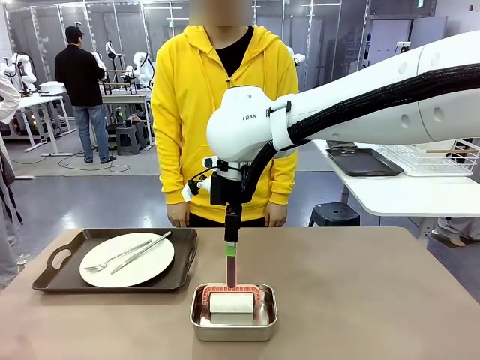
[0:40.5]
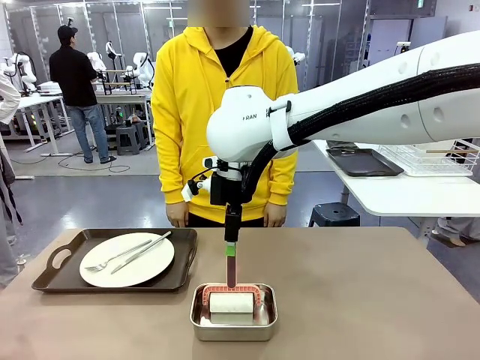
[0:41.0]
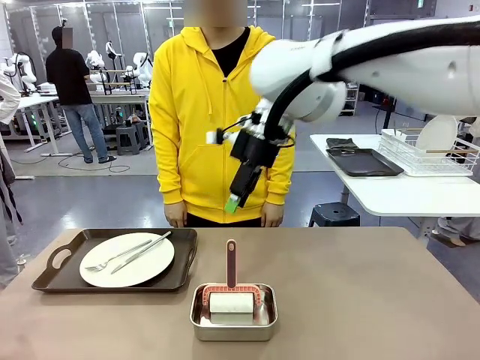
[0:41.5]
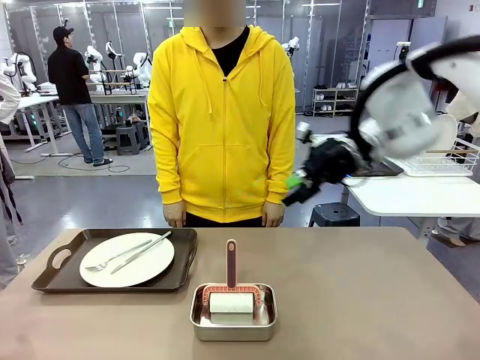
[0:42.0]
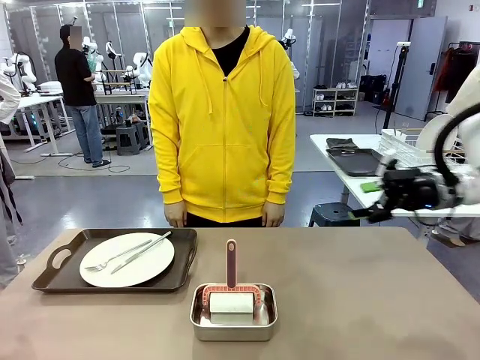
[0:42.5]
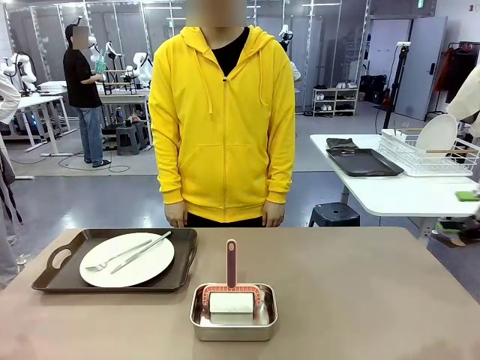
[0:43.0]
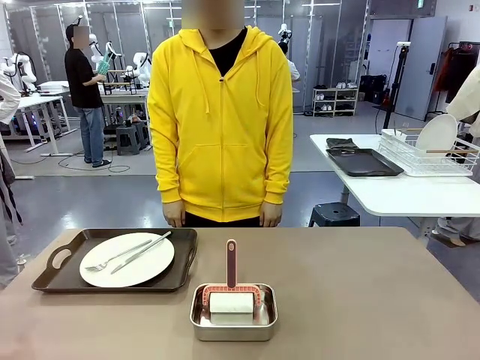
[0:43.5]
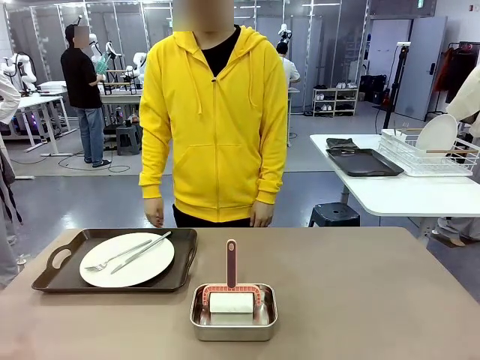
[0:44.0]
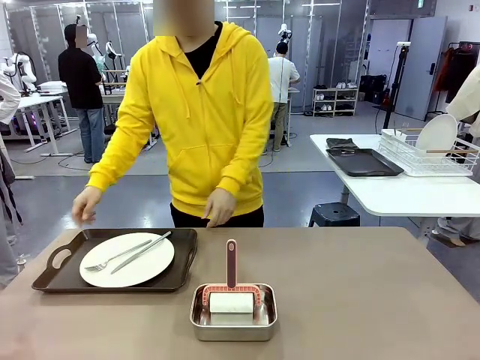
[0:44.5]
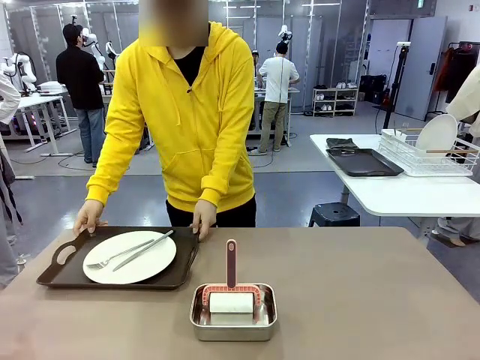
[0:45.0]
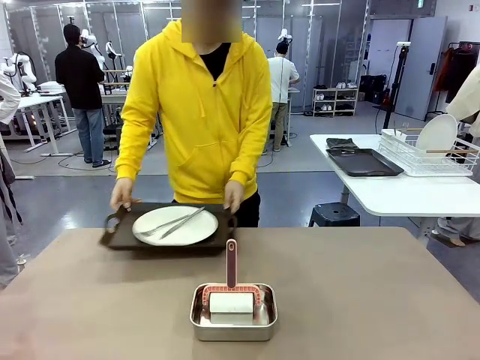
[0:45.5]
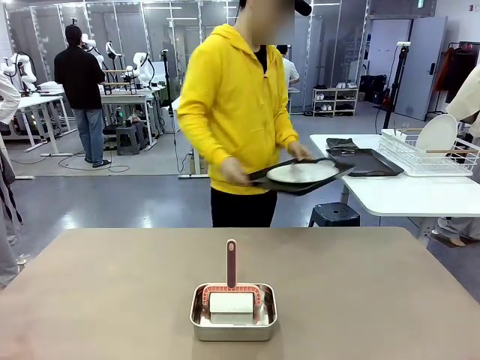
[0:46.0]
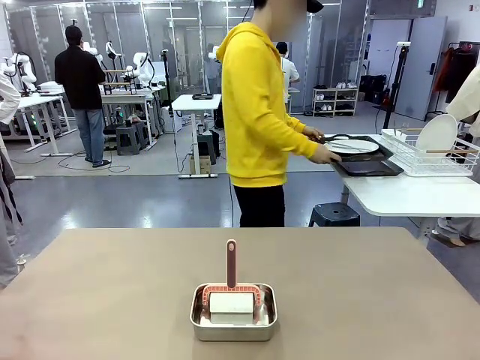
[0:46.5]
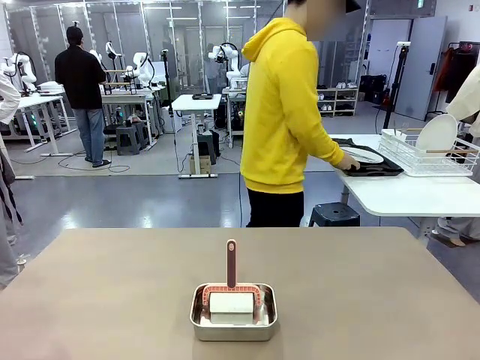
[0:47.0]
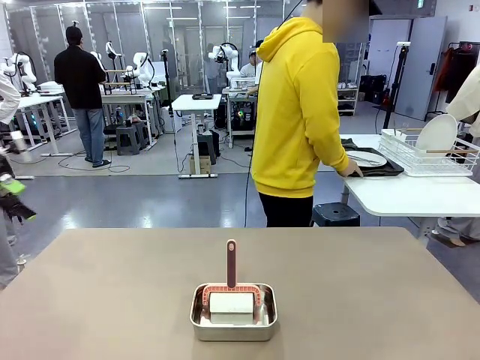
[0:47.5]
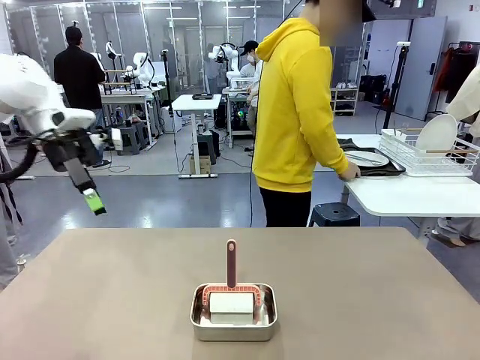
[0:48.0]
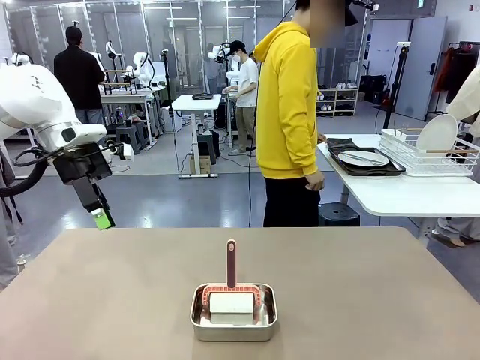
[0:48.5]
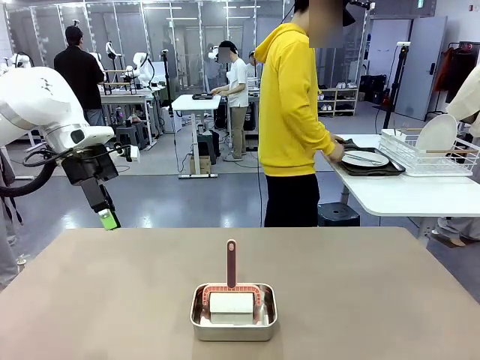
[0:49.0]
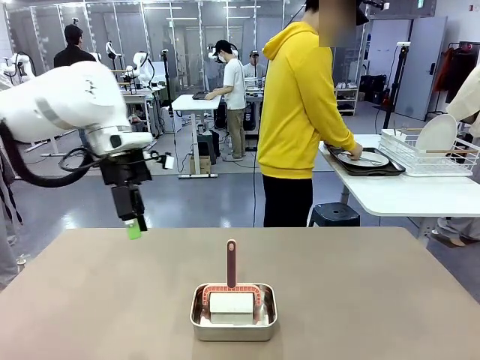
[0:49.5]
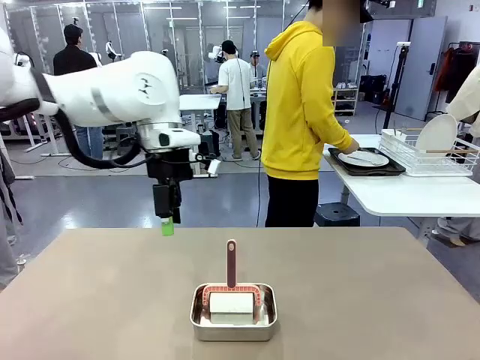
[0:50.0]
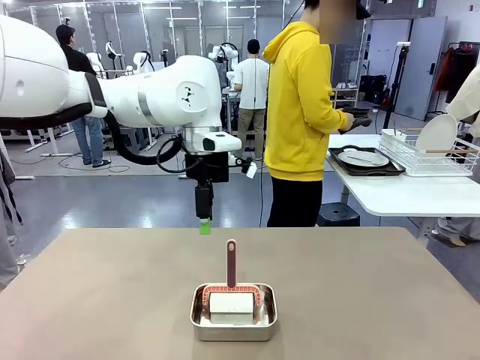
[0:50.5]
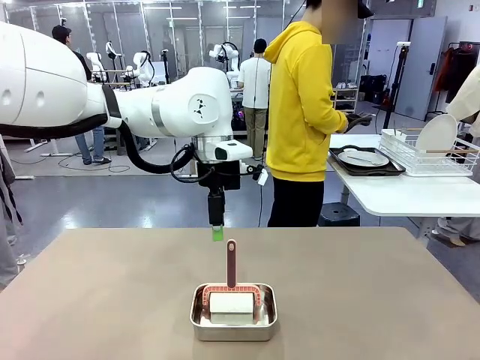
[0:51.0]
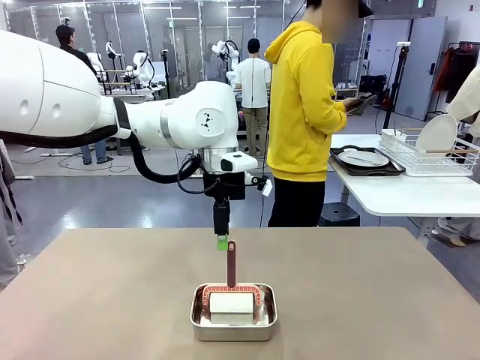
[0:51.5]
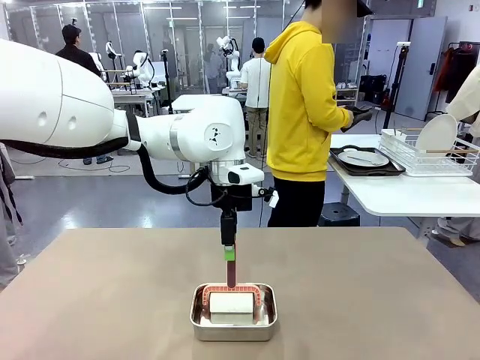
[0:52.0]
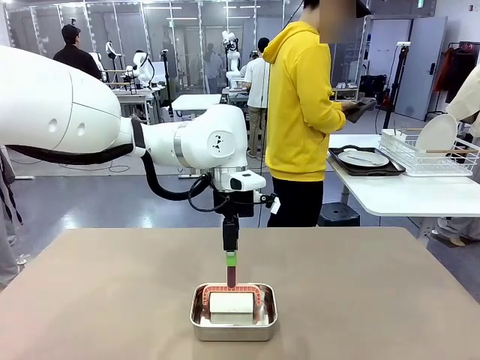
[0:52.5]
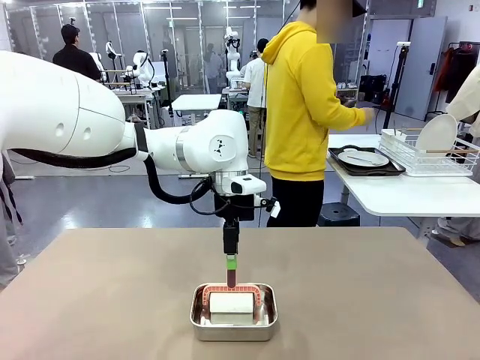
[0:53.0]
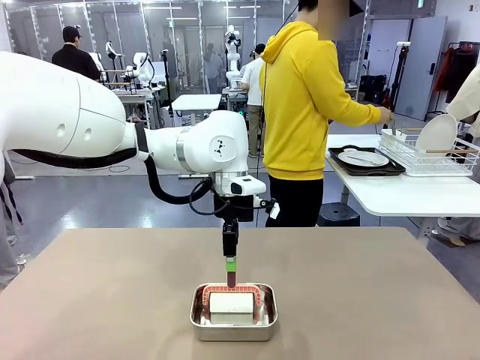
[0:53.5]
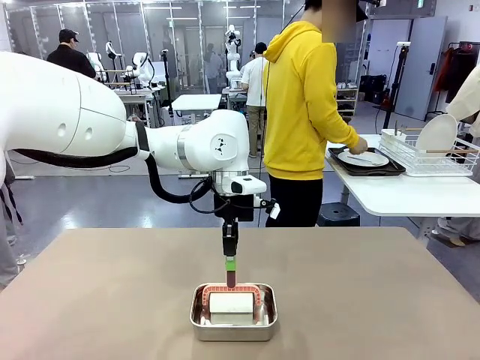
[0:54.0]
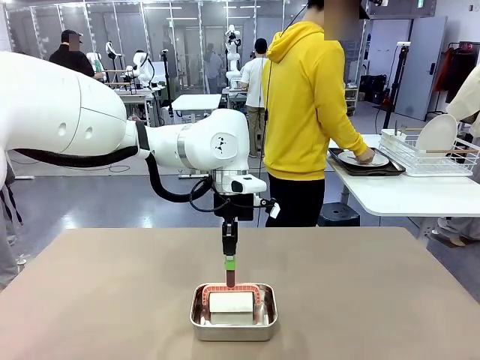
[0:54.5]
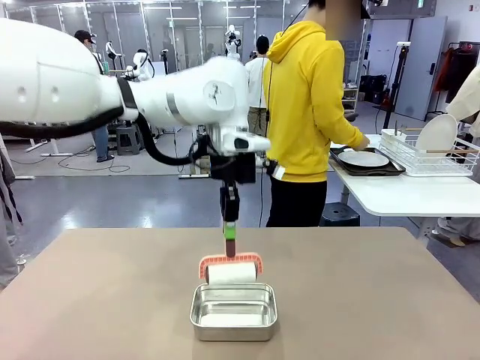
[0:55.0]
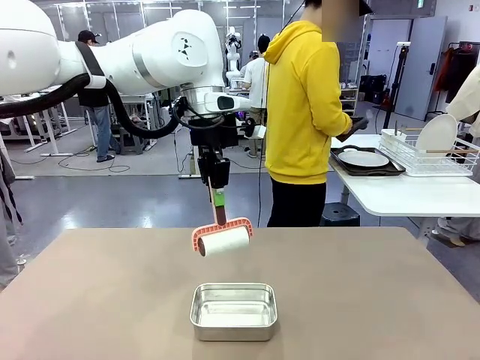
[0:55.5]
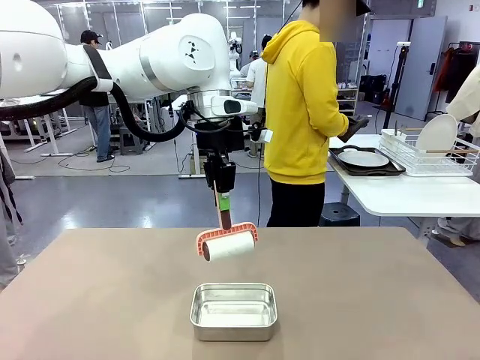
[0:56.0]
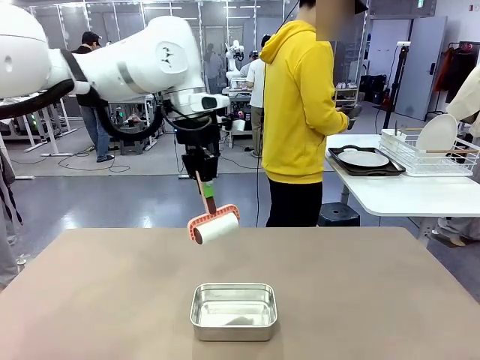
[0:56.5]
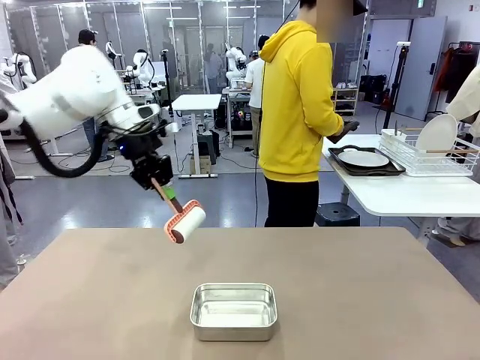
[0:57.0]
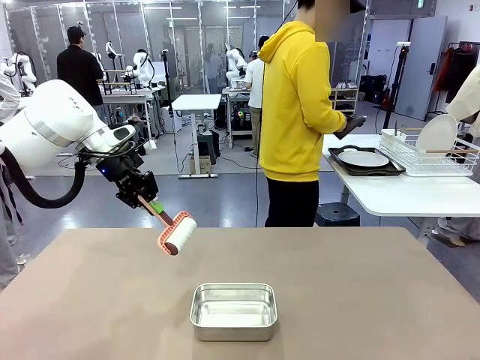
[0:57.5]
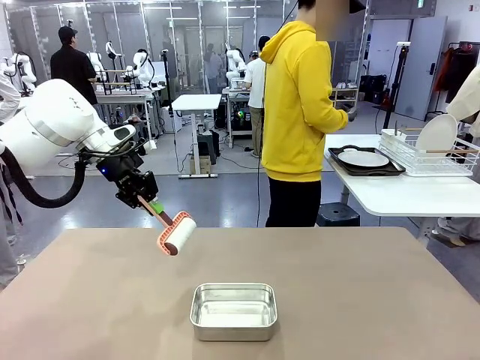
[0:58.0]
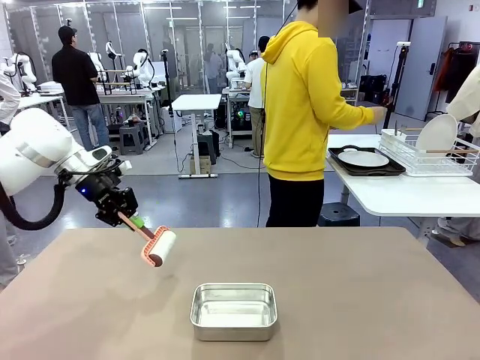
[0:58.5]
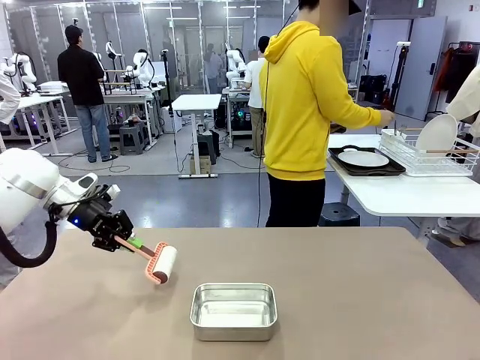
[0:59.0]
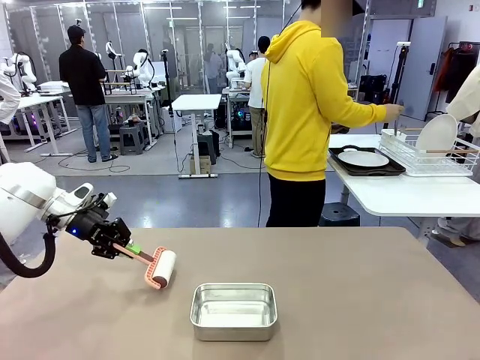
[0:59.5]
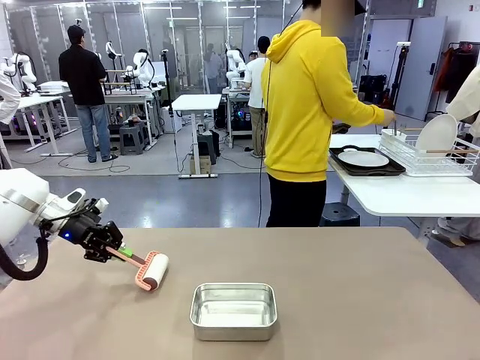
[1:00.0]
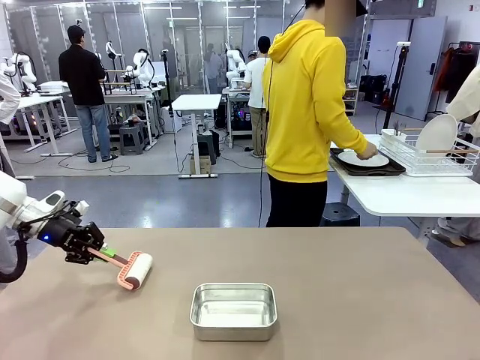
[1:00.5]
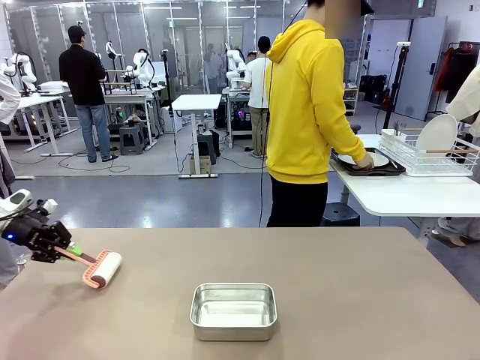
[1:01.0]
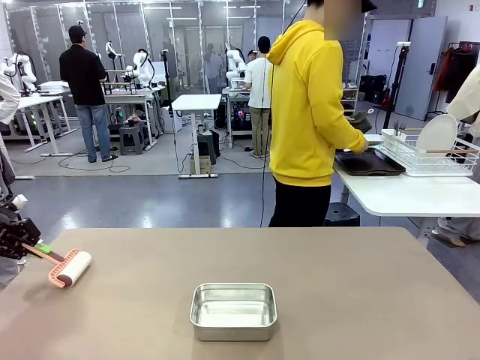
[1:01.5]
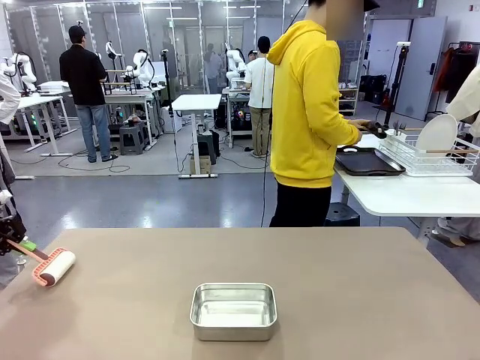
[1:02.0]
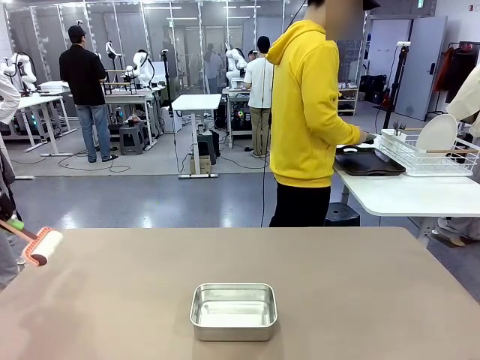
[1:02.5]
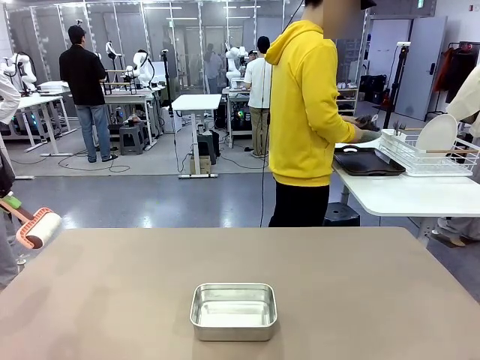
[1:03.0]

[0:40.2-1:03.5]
Robot: When the right (or left) Handle tray is removed, use the right hand (or left hand) to clean the right (or left) side of the table with the Lint Roller.
Person: Pick up the left (or right) Handle tray and place it on the Handle tray. Use the Towel with hook to wipe the Plastic Matte Plate , Fork , and Knife and place into the Dish drying rack.

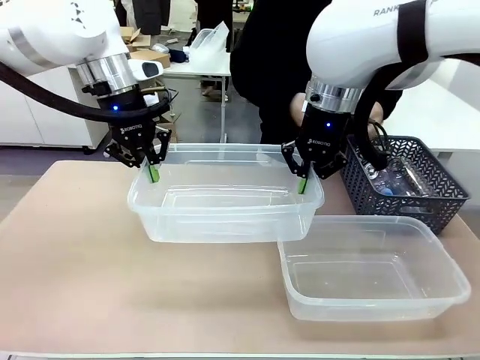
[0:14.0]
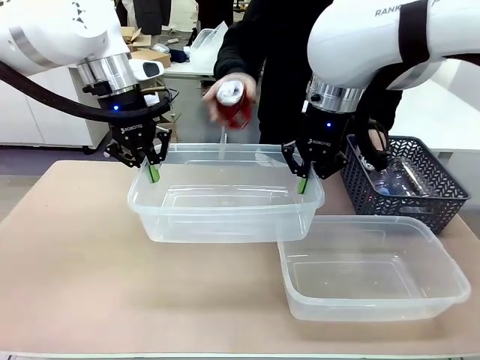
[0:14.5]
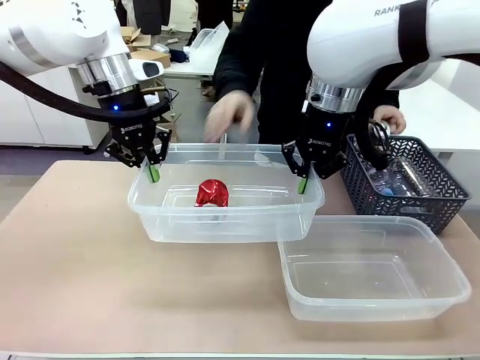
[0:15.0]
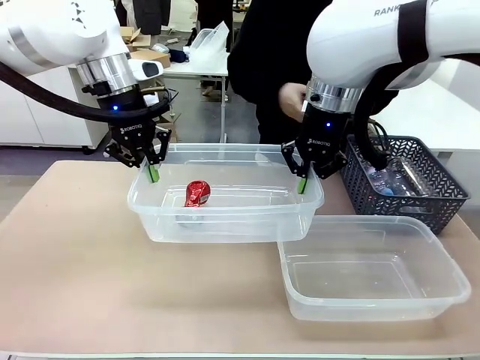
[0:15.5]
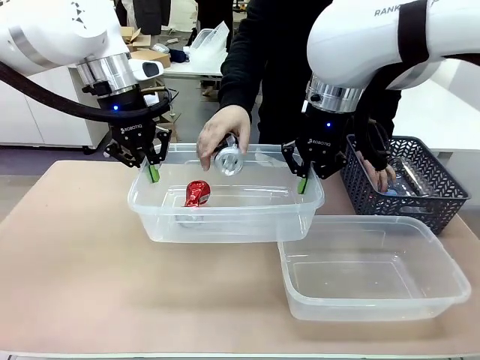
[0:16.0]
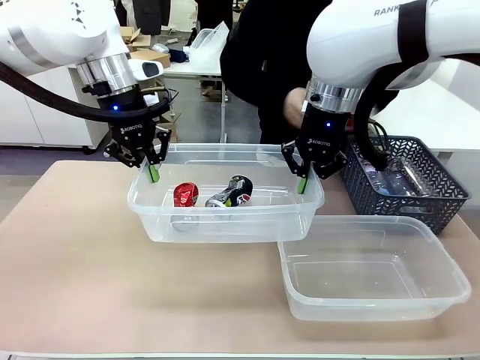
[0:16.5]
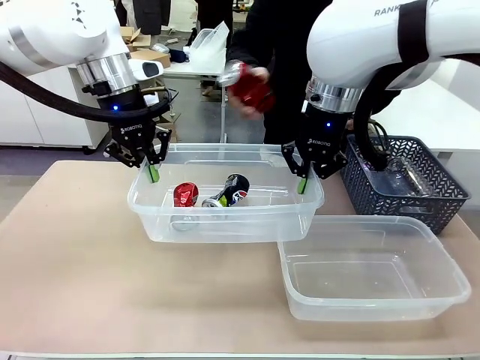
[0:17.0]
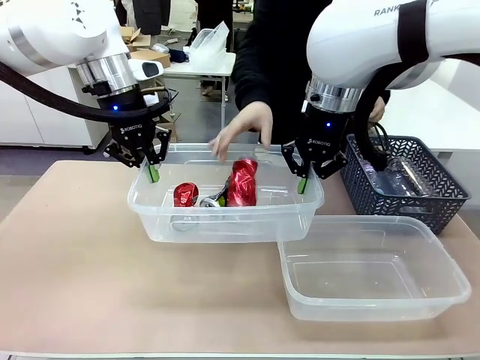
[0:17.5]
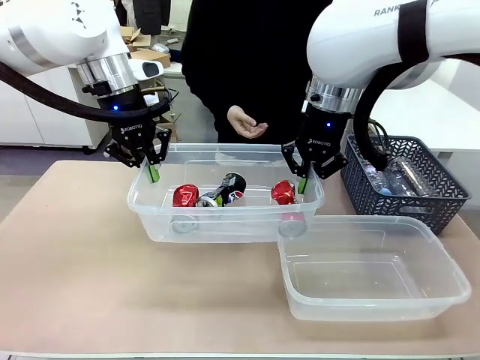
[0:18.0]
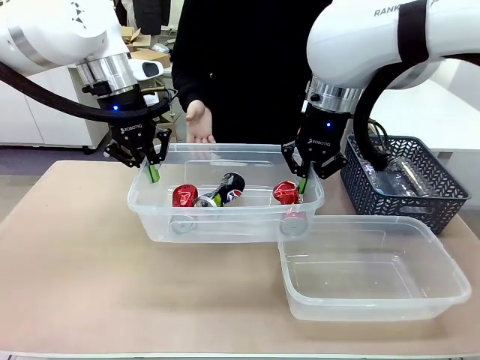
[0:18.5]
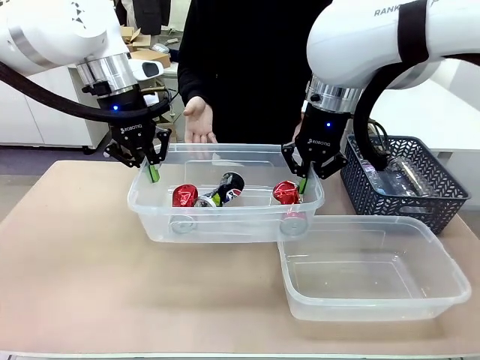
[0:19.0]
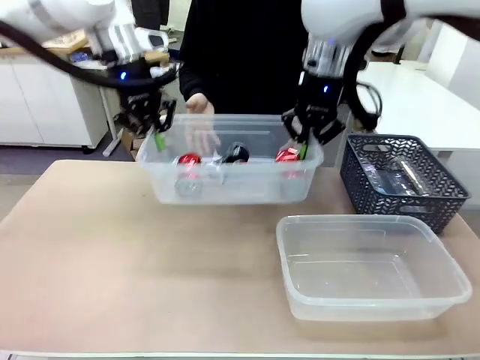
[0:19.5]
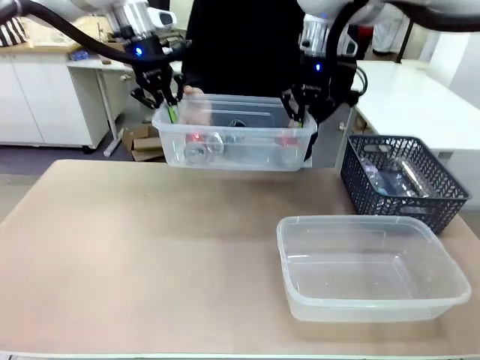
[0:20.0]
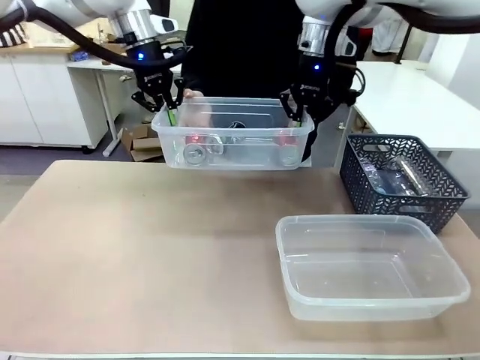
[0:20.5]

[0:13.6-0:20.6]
Robot: Offer the picked Organizing box to the human.
